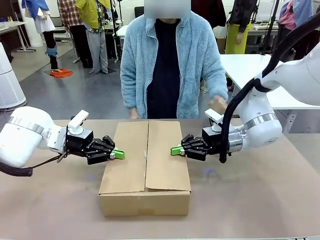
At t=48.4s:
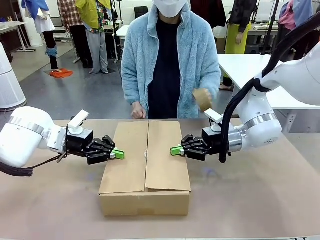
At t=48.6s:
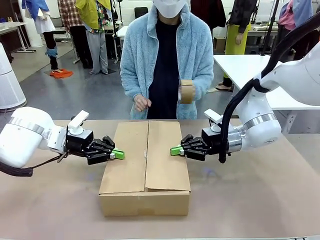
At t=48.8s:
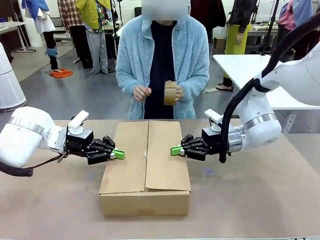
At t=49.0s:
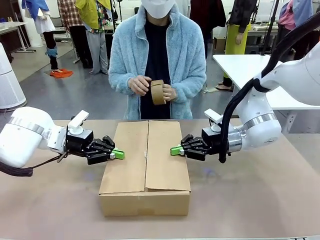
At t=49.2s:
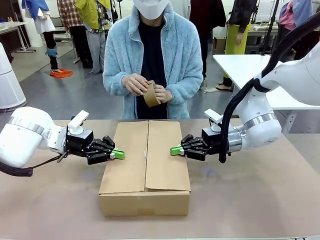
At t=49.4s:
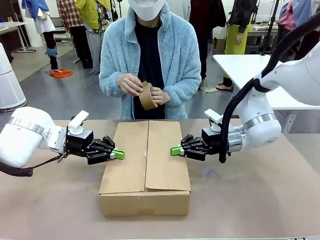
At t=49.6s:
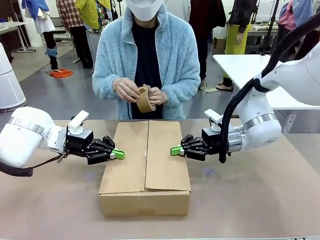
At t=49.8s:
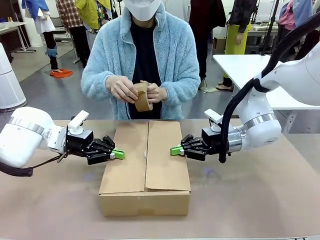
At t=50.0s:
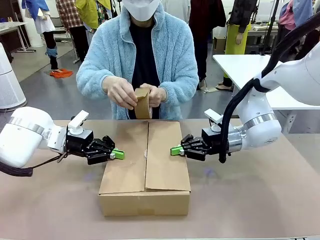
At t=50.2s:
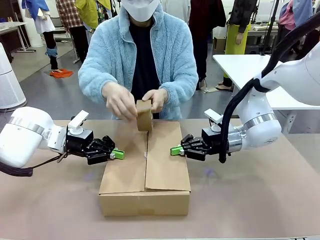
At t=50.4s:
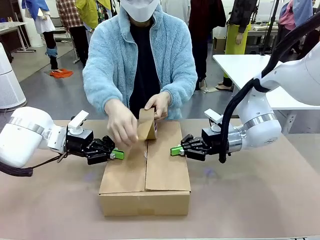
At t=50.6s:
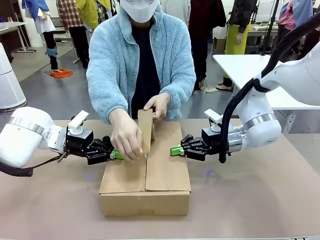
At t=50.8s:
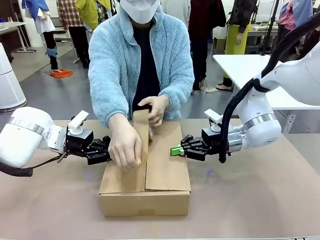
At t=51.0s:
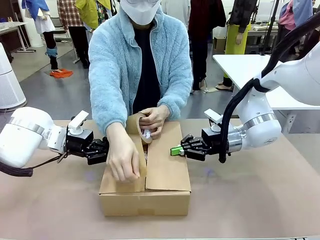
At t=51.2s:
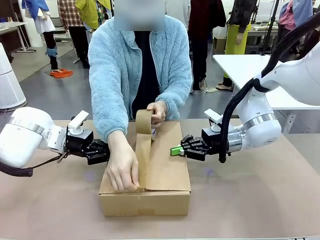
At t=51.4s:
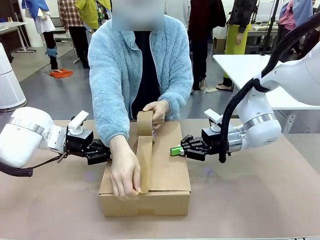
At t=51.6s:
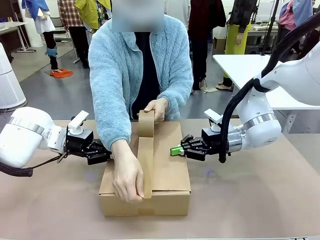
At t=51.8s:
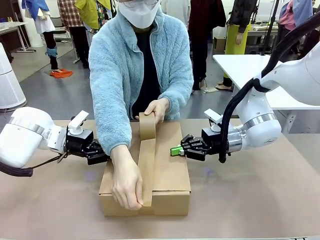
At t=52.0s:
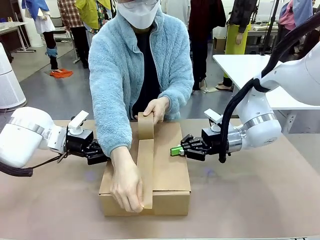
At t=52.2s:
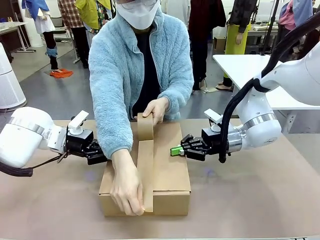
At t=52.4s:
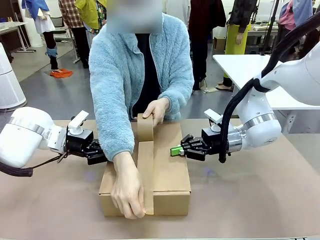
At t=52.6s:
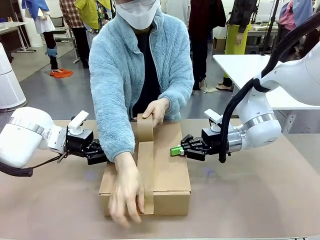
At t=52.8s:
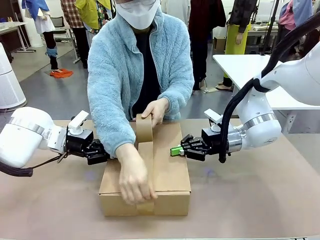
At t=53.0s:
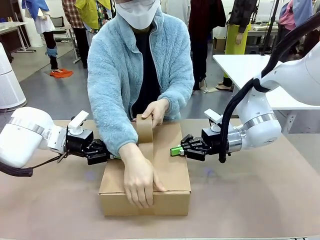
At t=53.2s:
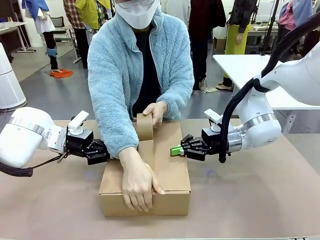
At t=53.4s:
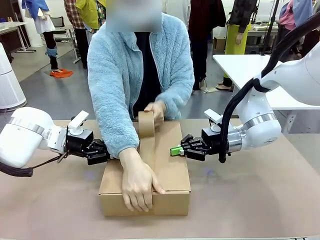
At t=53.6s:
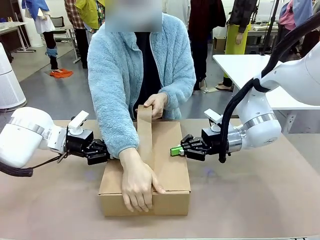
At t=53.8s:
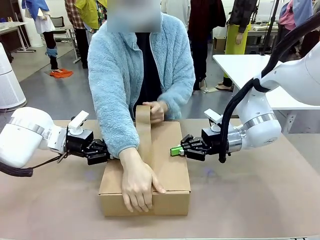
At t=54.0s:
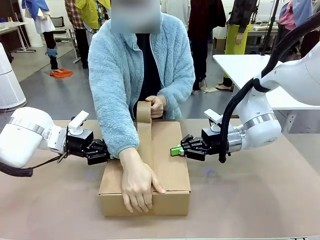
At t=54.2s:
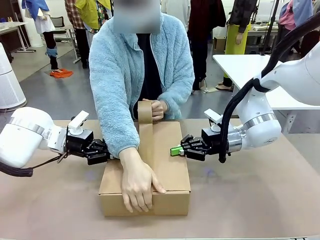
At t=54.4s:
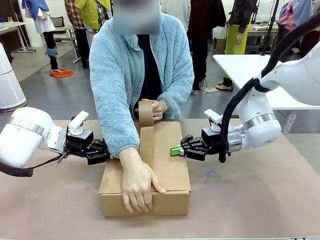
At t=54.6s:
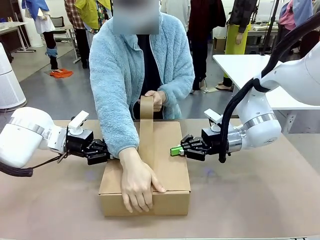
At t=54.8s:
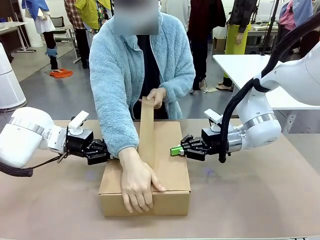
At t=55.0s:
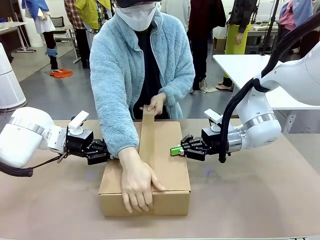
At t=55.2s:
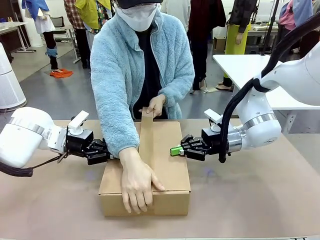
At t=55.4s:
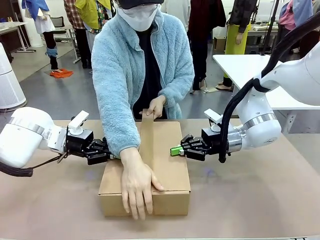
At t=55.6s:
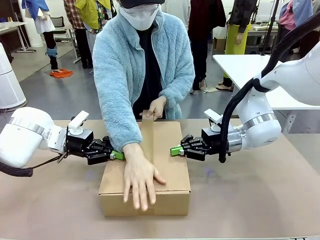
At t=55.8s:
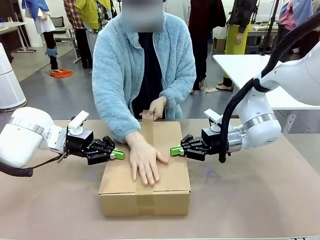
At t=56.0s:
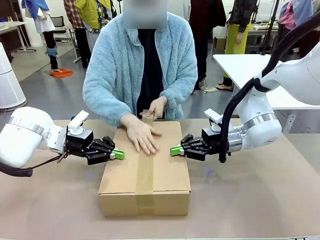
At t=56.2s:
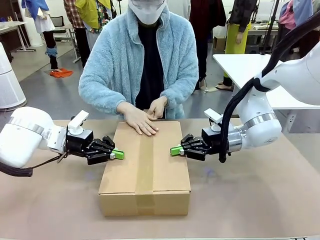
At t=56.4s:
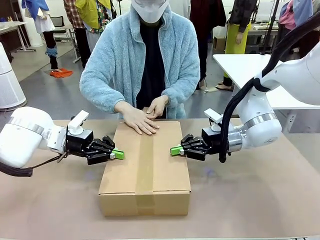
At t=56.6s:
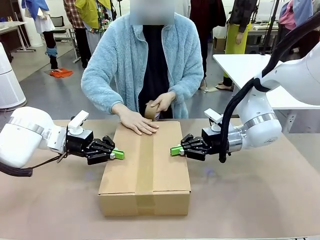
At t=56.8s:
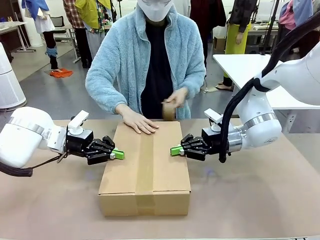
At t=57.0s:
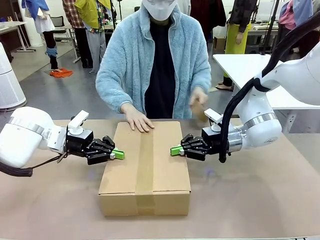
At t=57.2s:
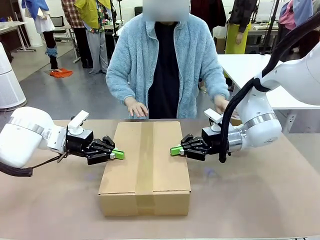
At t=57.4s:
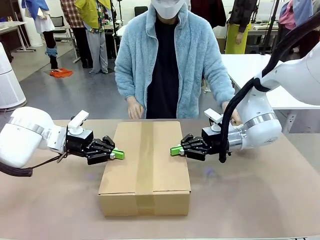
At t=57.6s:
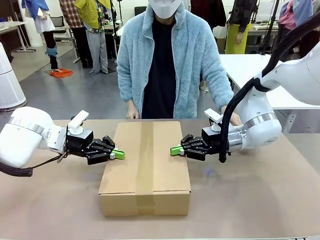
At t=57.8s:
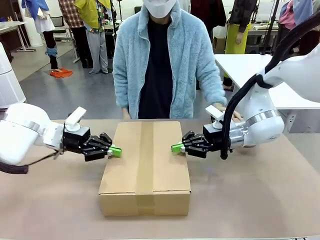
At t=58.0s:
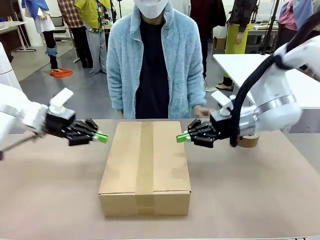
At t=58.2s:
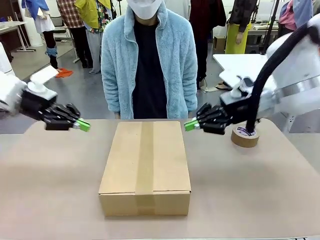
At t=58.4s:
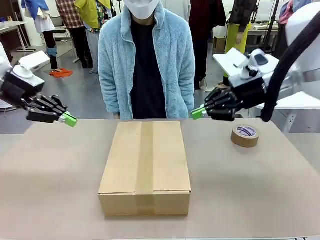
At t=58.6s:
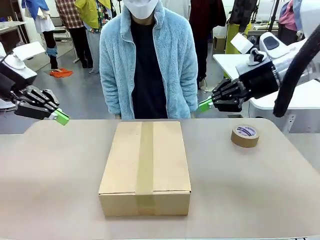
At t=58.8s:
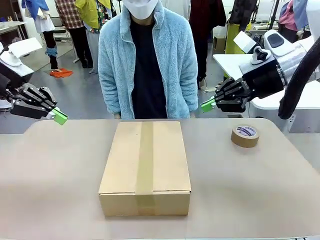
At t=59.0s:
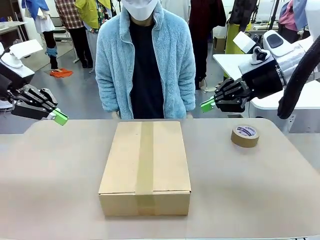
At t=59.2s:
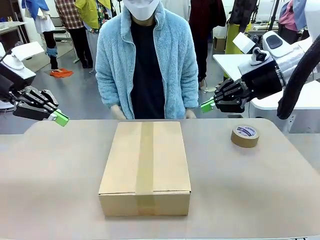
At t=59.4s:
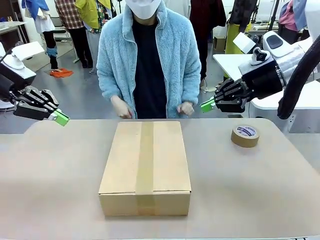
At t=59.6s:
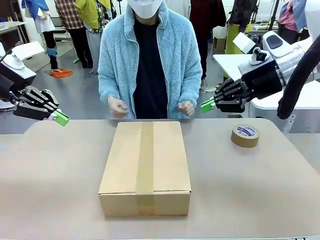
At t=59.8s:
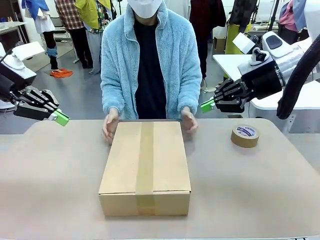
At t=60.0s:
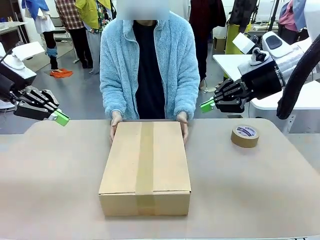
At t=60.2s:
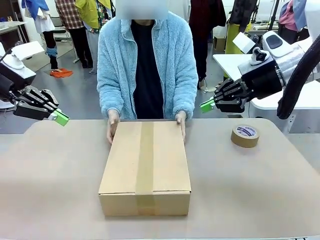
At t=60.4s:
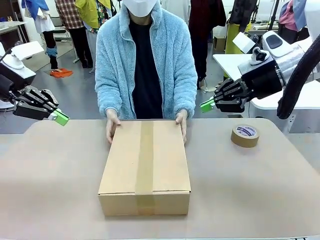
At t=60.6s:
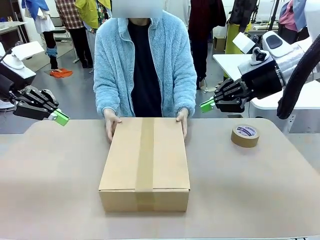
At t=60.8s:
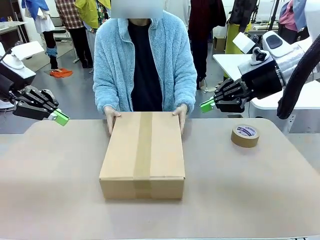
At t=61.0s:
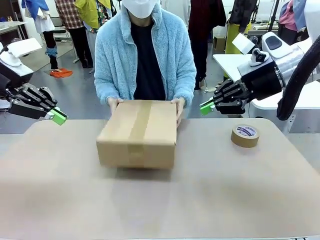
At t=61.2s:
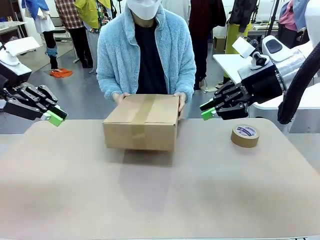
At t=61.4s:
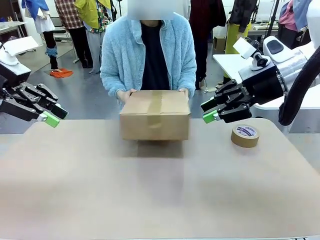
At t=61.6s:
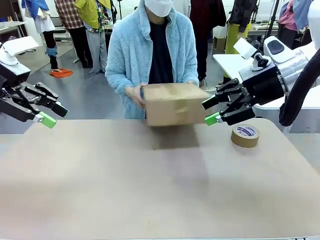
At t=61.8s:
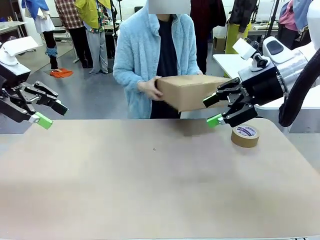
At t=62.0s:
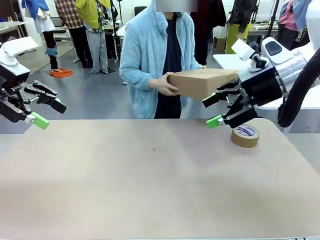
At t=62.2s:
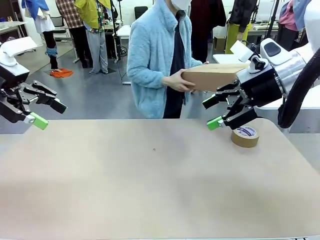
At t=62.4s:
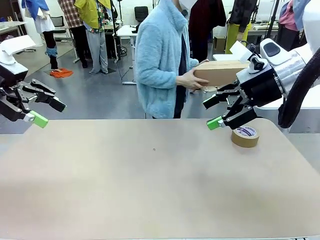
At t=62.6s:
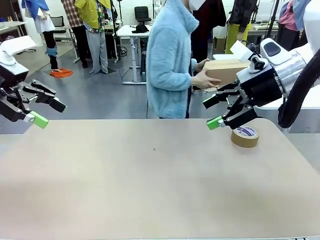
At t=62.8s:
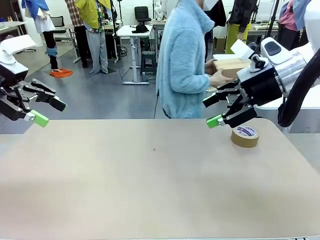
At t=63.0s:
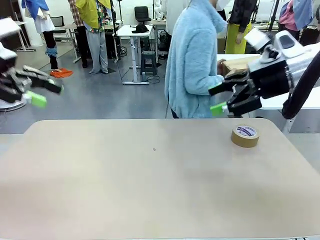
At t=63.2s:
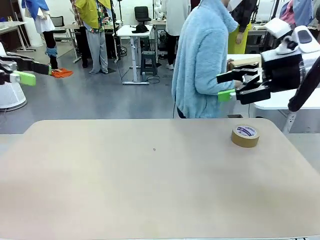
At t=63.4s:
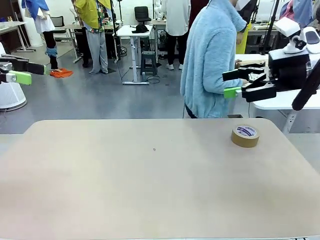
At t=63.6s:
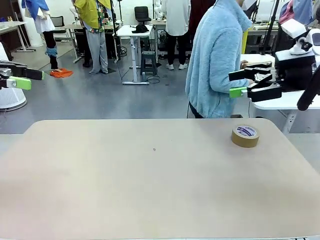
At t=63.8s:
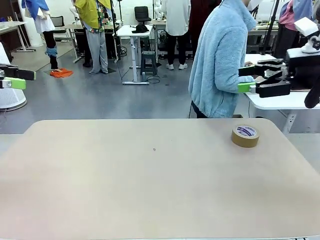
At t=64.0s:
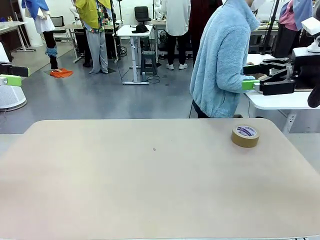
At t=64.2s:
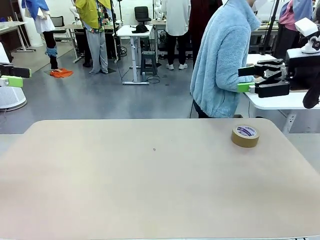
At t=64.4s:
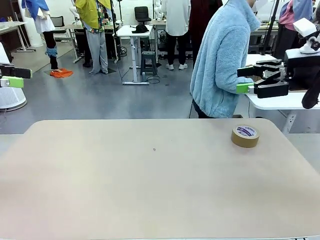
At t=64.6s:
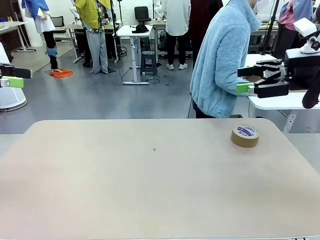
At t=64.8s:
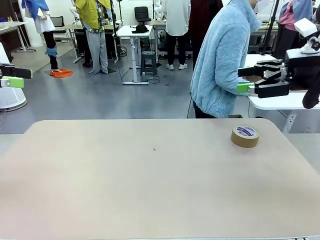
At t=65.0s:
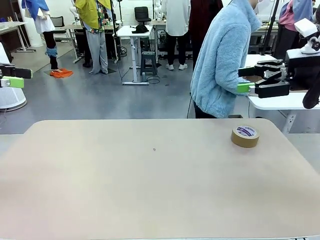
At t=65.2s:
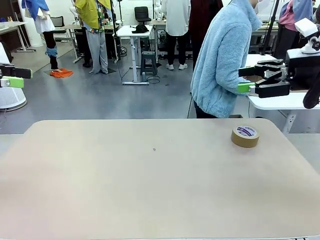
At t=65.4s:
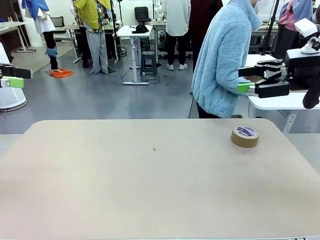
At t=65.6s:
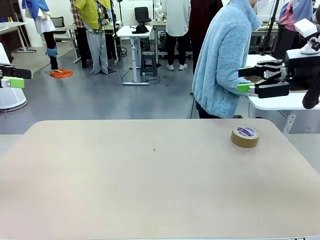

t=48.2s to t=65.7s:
Task: Wrap the clocks to prevent damage.
Robot: After the human seals the box with tape, release both hands from the side flaps of the Package Box.
Person: Once the robot closes the left flap of the Package Box , seal the box with Paper Tape. Place sealed Package Box in the middle of the human's table.
